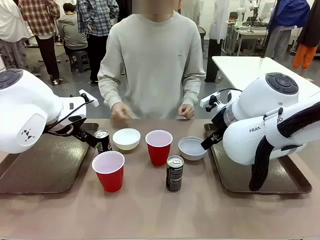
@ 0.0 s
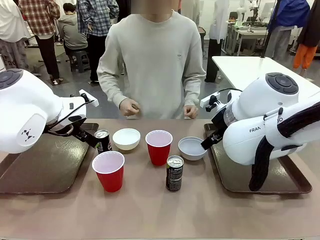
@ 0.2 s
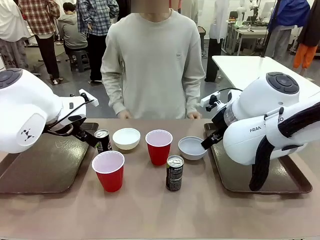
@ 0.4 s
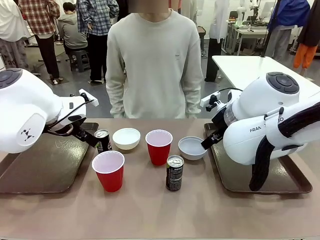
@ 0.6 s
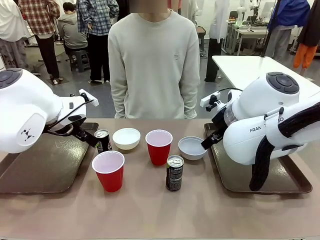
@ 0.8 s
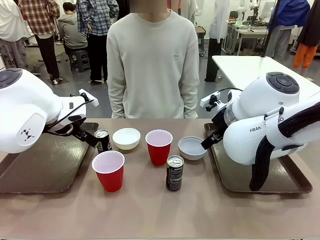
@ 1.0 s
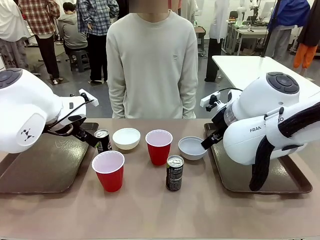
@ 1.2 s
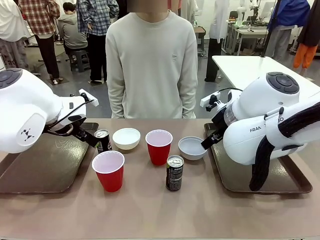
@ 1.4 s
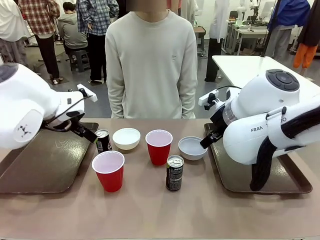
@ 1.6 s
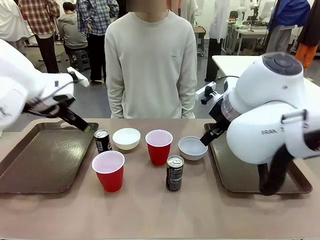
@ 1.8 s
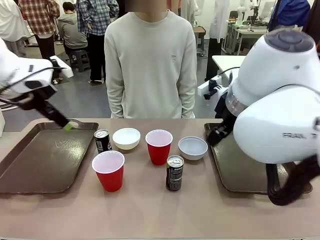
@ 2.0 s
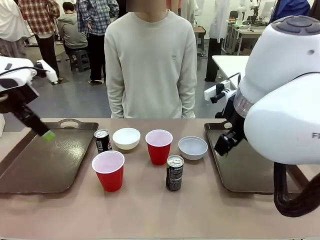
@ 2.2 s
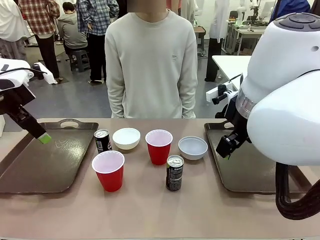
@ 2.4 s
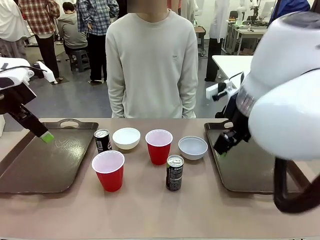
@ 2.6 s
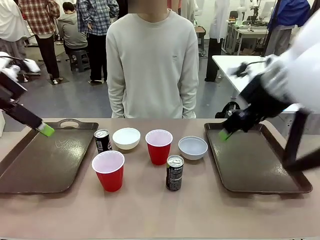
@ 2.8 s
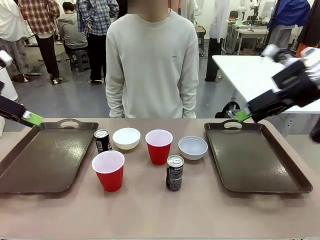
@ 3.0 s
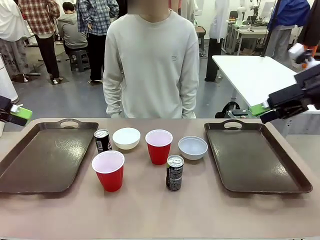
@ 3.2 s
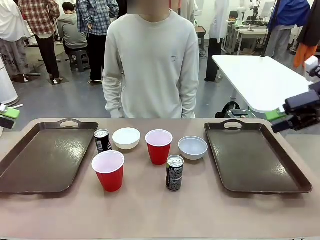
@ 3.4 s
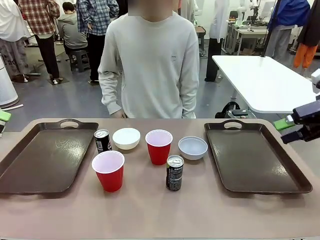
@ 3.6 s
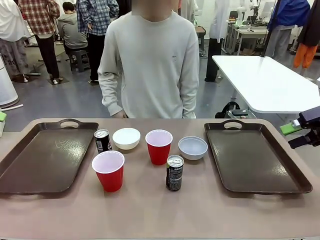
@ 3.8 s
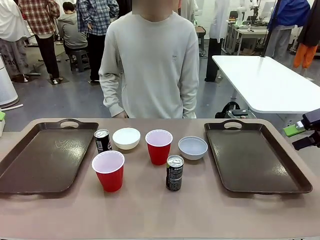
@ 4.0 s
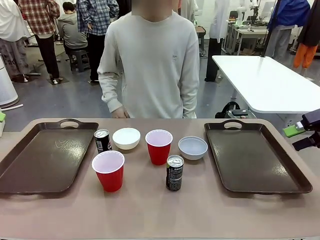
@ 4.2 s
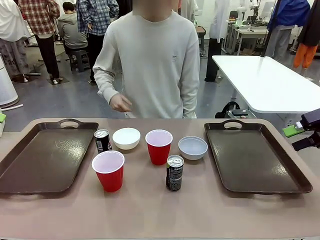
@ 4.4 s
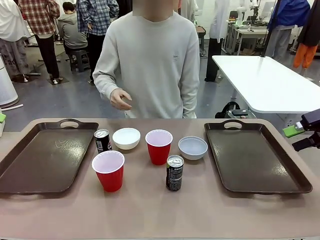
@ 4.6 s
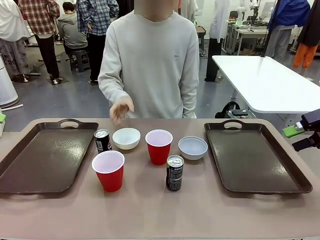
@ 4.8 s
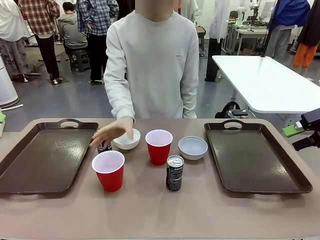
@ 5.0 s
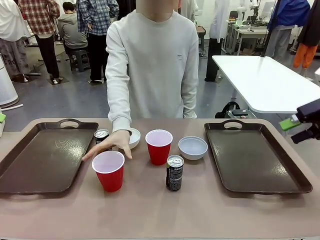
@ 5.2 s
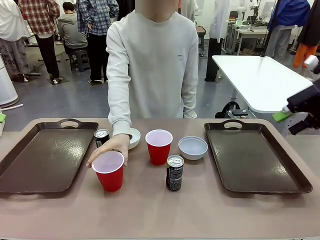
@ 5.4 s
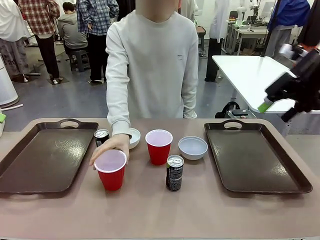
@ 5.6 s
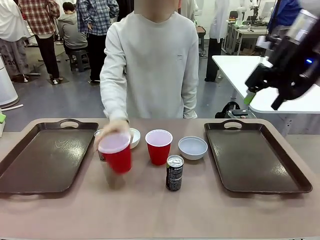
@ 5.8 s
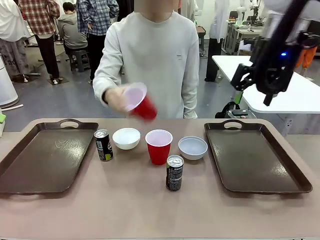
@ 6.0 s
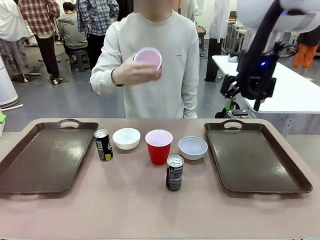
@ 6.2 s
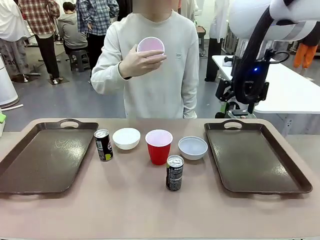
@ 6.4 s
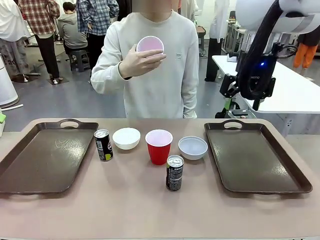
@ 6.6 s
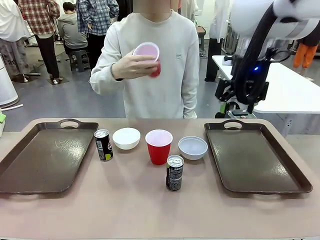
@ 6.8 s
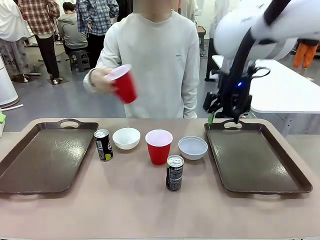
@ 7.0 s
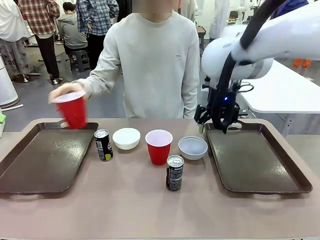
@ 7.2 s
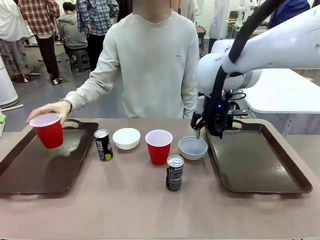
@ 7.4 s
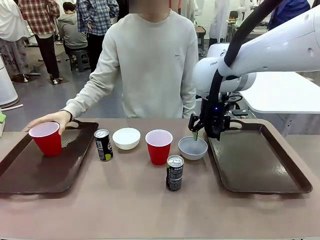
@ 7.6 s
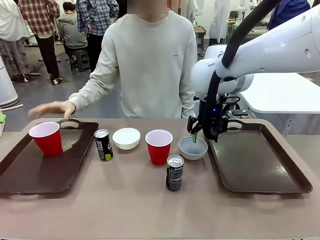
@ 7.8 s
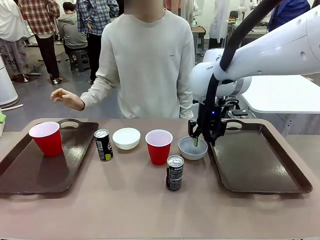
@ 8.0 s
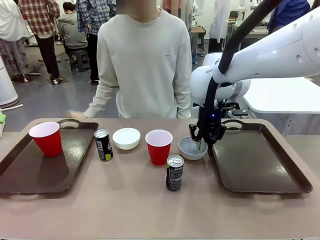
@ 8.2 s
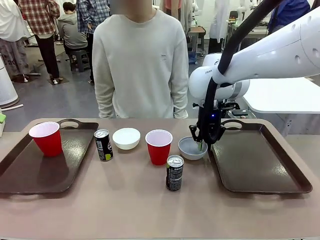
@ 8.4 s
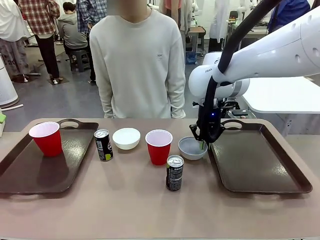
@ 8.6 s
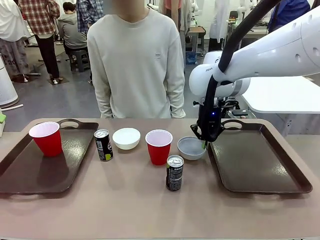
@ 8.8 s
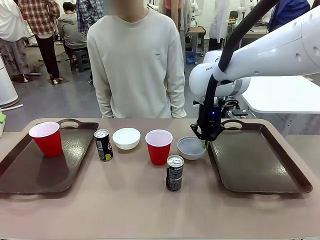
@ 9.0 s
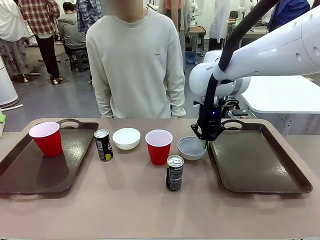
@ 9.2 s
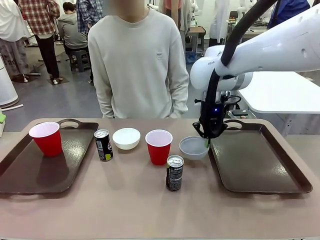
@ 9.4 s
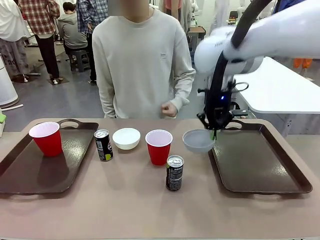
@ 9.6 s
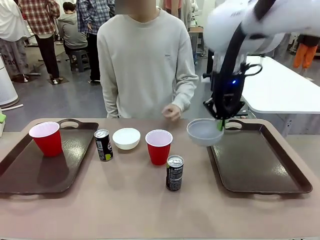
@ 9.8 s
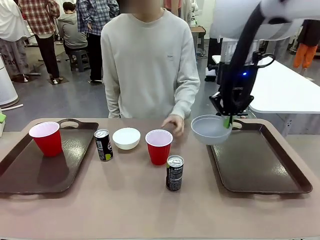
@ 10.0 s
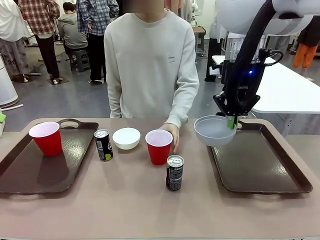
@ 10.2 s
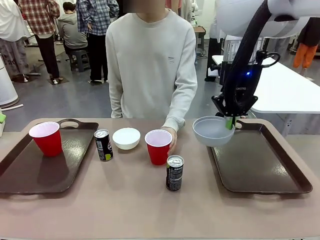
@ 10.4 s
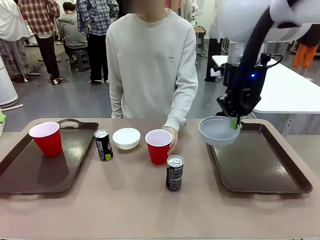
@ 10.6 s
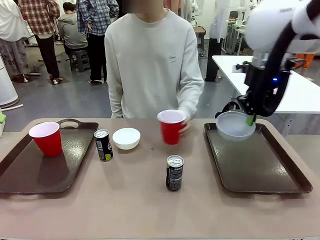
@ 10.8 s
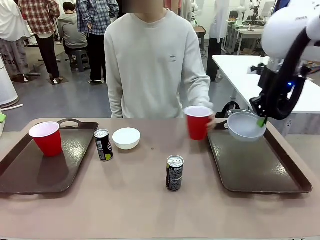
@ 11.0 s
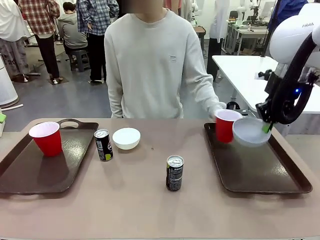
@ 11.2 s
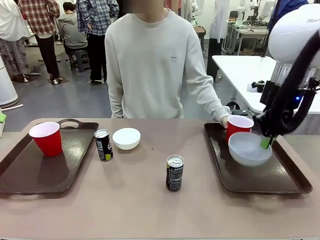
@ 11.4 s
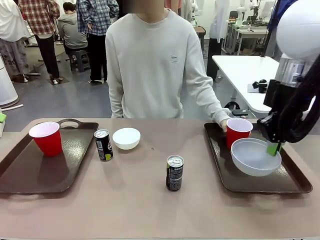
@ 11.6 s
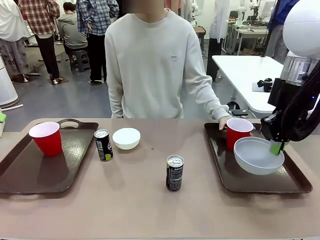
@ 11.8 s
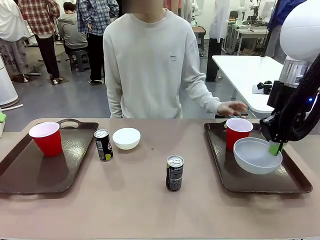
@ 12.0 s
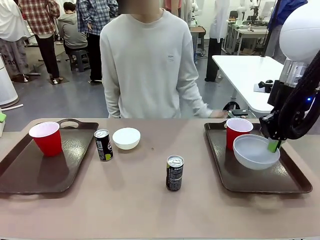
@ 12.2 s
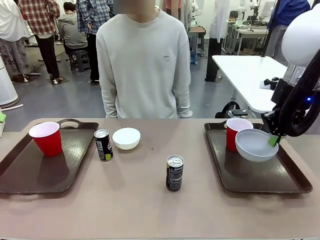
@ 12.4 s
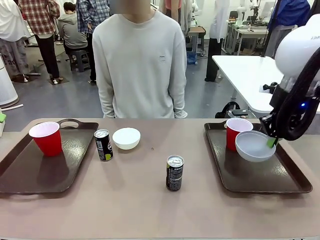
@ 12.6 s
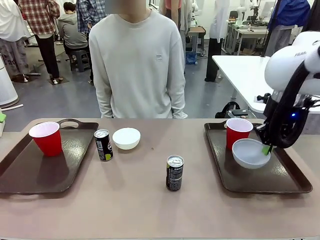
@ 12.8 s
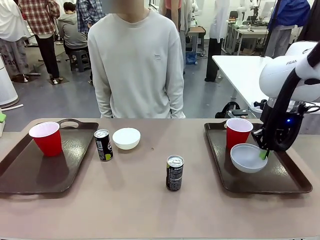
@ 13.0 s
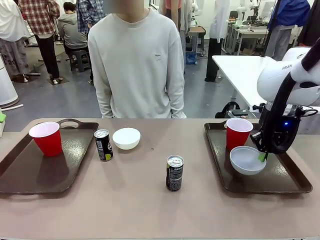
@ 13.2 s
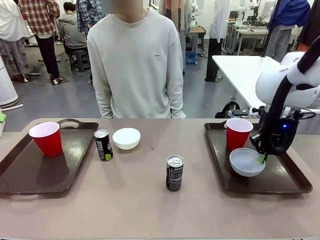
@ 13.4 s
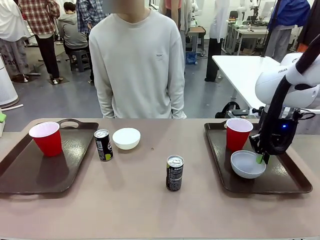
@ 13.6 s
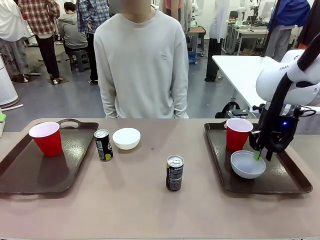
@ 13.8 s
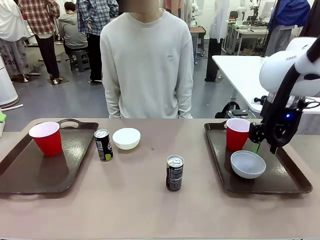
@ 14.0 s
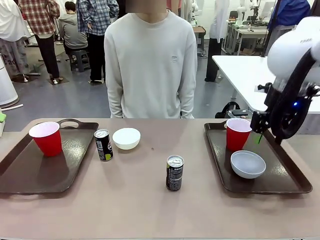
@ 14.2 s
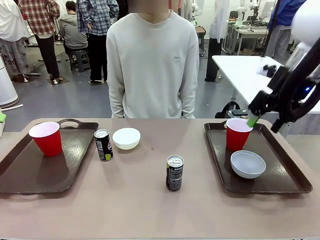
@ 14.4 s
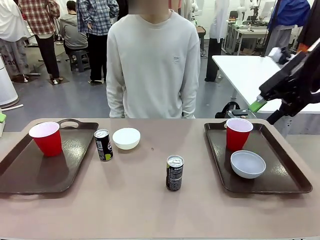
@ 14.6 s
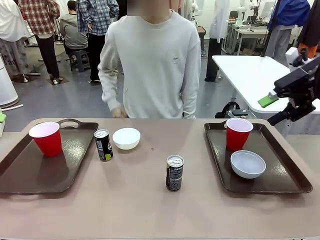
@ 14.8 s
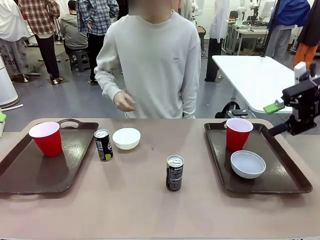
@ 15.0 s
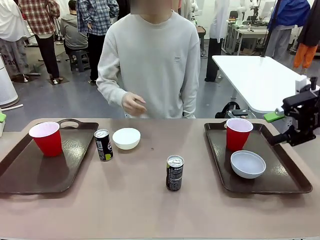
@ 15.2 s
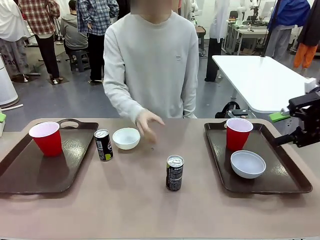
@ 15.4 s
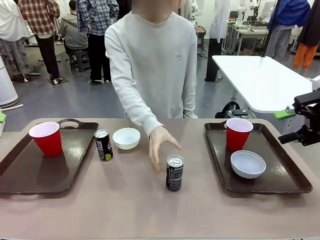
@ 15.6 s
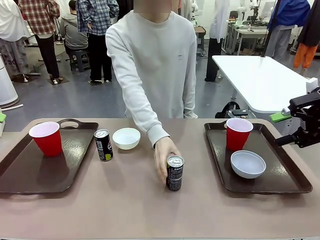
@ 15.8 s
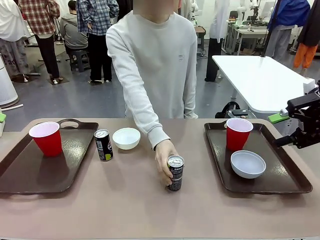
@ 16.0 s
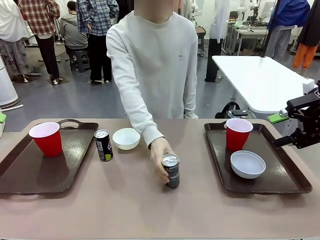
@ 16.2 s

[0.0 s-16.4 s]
Task: Prepare tableware on both trays.
Robot: Pick up a Picnic Bowl from the table and place it on a Handle tray.
Person: Pick up a can or cup and place it on the tray.
